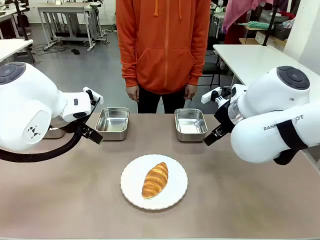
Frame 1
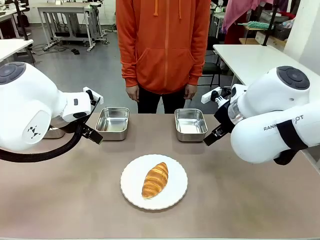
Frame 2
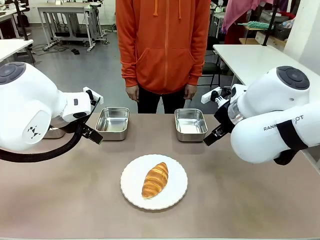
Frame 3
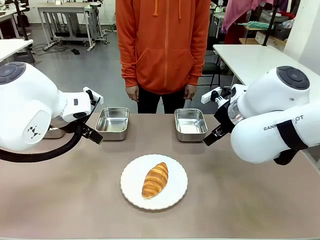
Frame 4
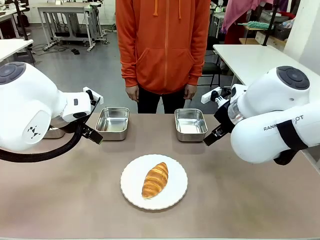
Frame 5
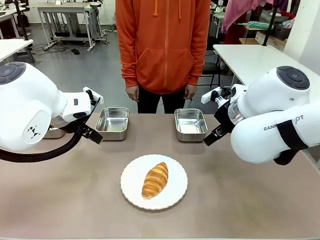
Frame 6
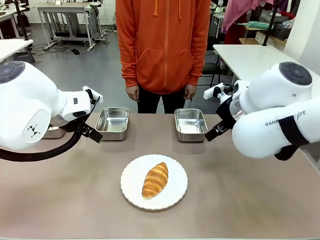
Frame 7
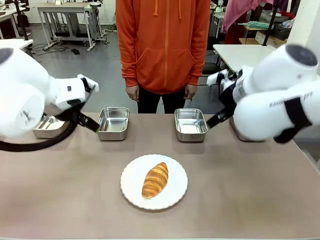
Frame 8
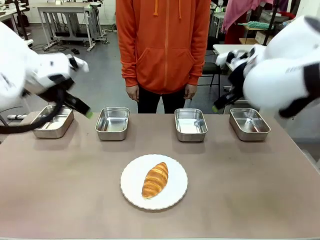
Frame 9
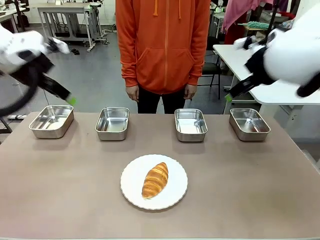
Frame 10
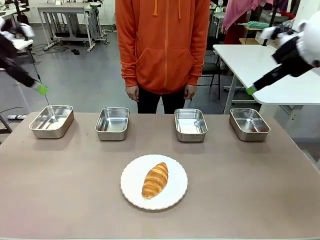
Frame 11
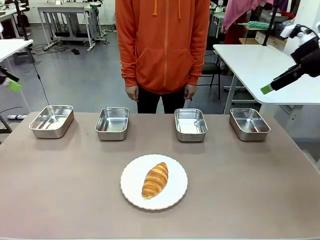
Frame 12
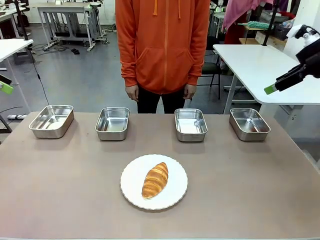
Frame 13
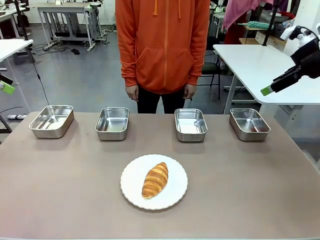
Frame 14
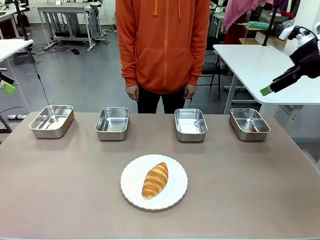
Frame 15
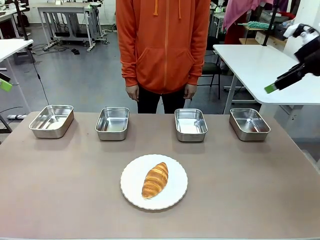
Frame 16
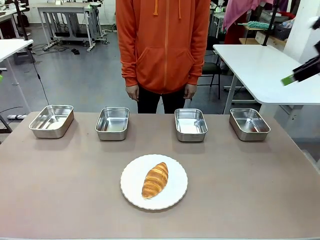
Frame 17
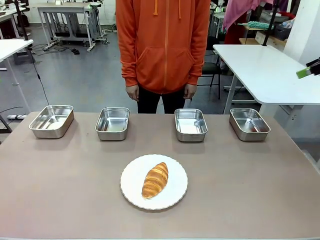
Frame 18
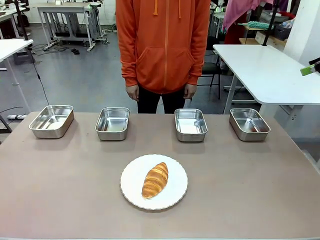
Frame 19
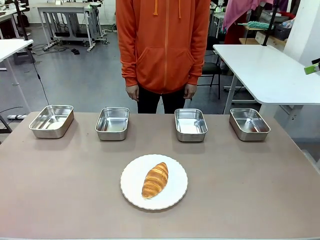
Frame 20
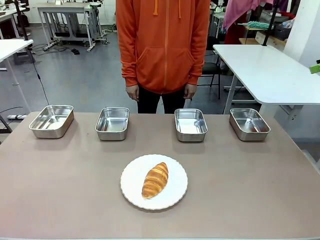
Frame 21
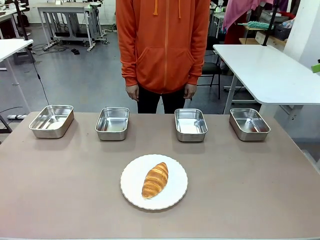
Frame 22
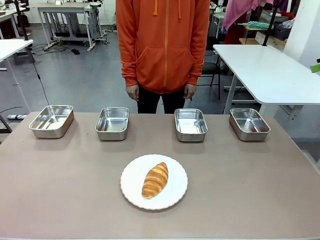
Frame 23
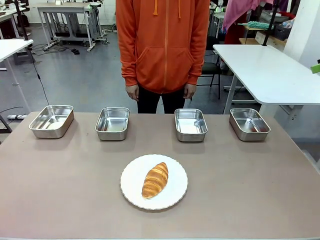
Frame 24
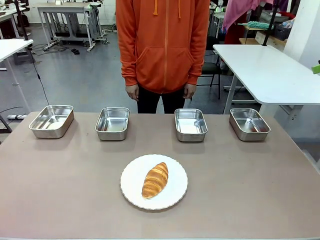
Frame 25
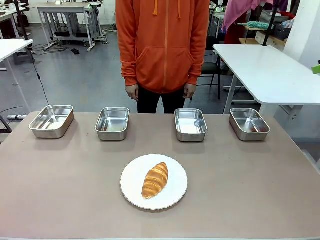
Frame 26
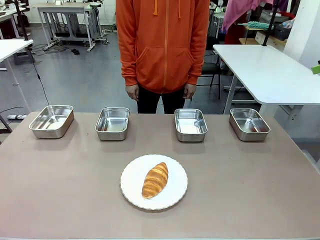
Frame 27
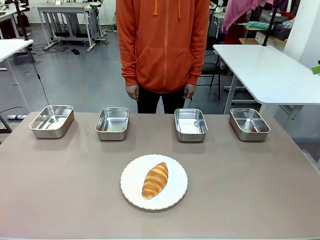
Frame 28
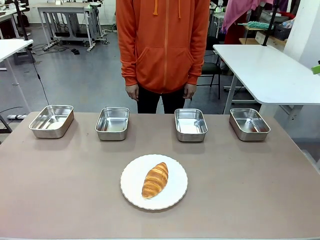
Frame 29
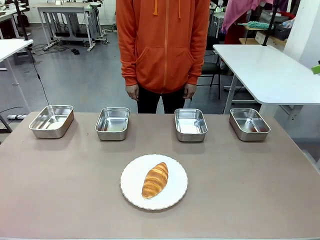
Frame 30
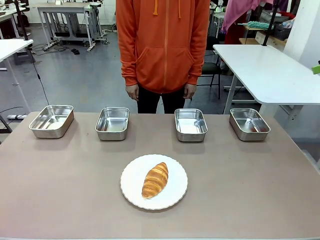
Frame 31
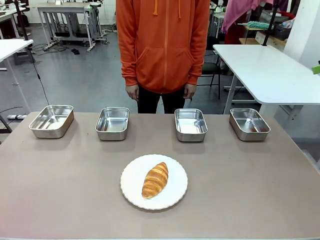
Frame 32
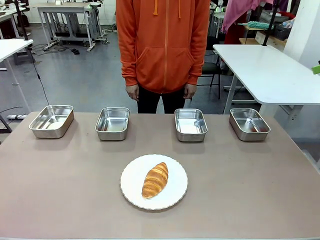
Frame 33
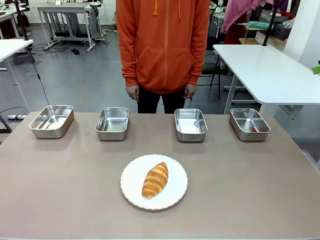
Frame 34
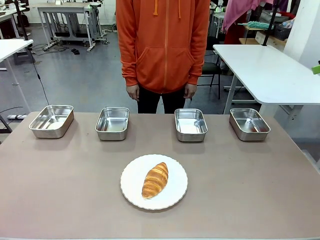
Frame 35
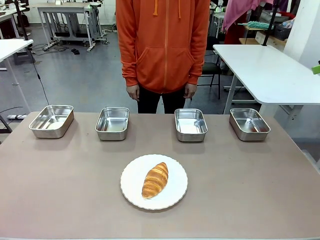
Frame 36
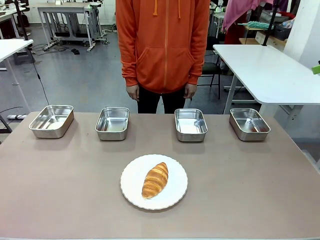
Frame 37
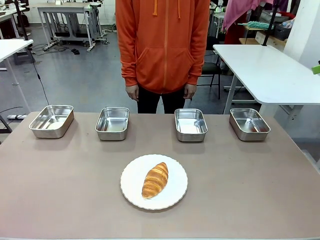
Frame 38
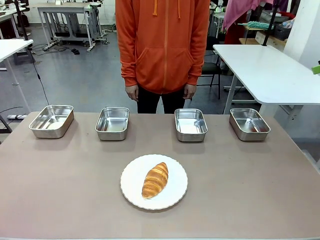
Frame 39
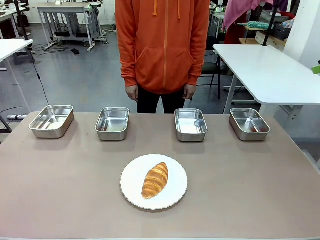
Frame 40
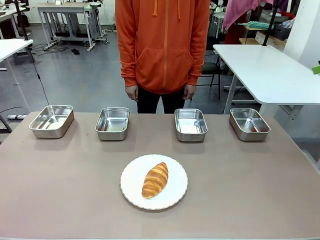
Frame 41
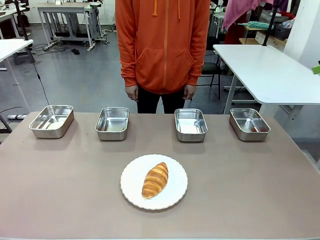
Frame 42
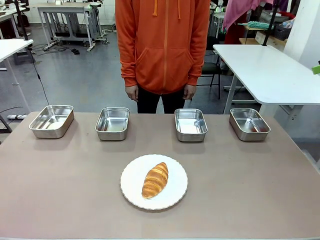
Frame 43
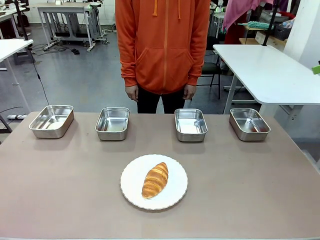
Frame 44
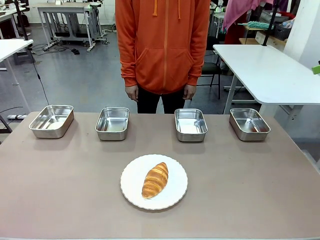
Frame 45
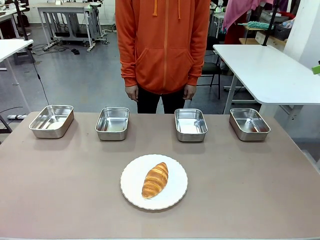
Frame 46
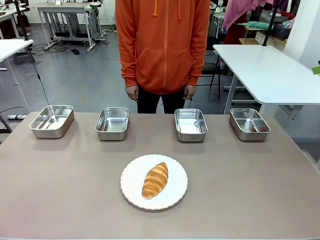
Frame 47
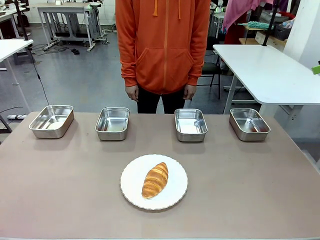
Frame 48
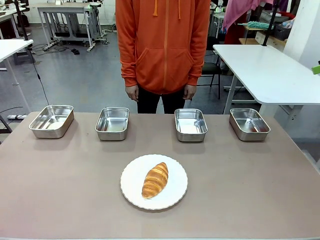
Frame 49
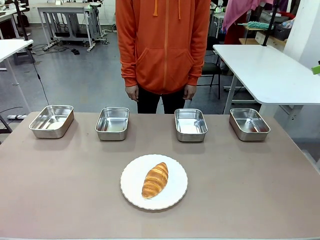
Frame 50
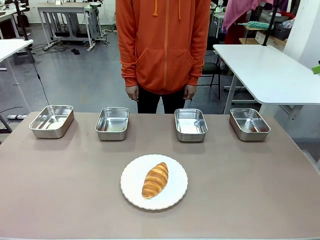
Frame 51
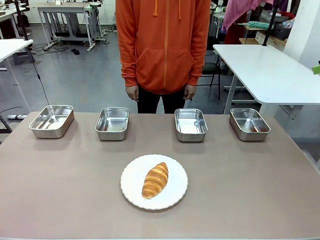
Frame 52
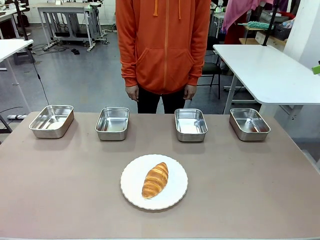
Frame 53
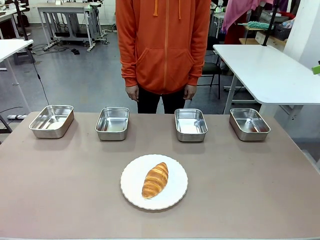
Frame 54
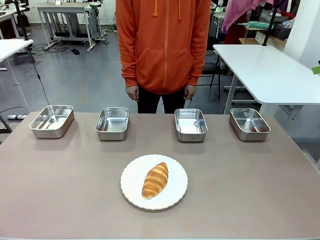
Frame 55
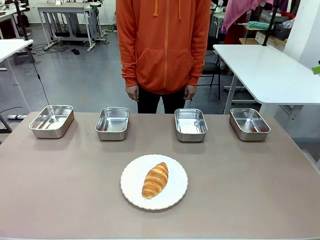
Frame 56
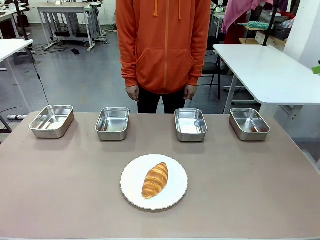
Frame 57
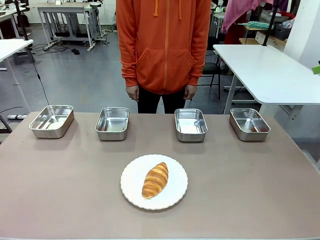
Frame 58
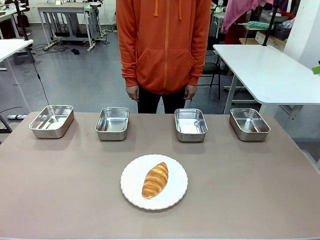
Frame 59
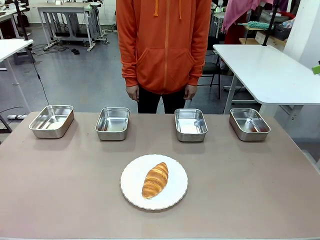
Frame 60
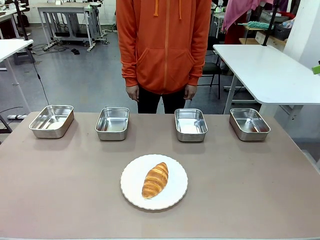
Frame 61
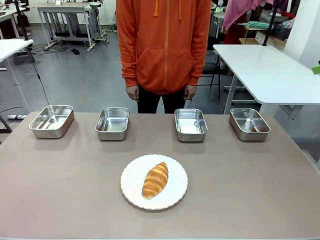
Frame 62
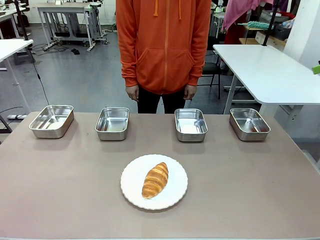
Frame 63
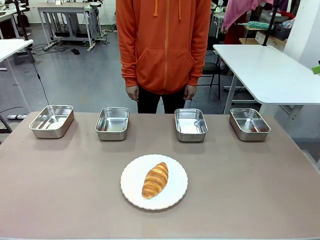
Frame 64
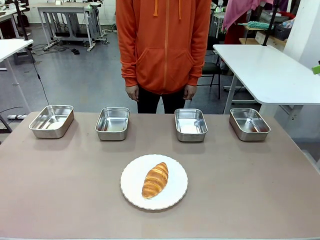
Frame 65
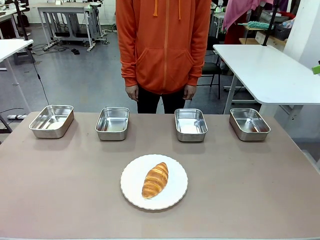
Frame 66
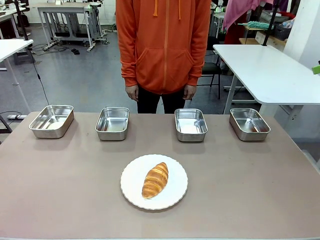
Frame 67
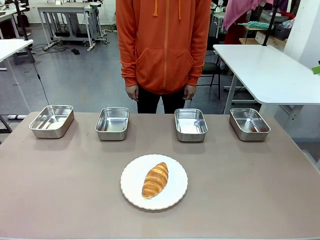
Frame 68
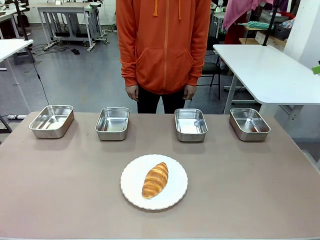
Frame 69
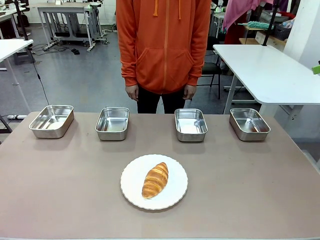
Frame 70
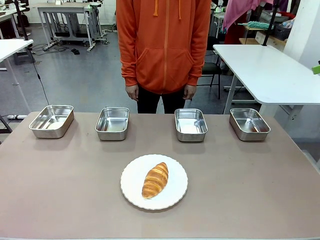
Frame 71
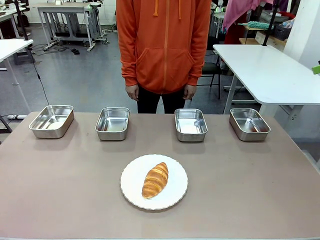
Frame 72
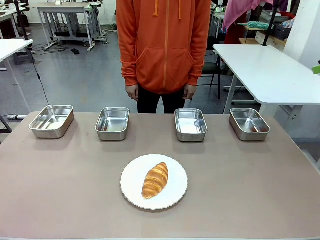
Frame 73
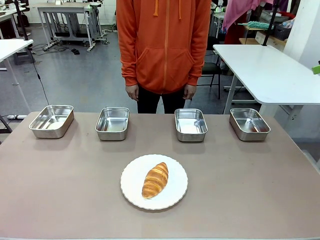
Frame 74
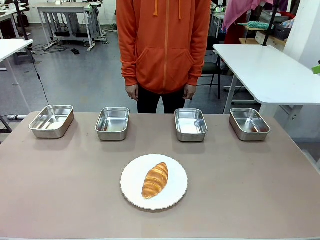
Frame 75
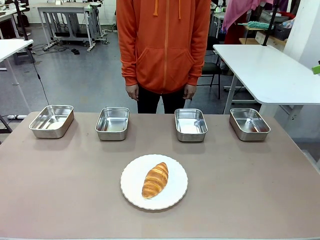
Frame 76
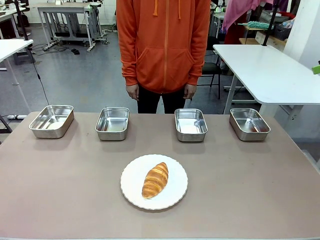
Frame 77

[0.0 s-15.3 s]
Task: Place the bread in the container.
Robot: Place the Butter Roll into the Airtight Container indicated by the human.

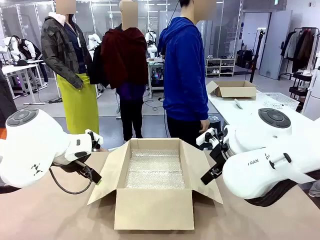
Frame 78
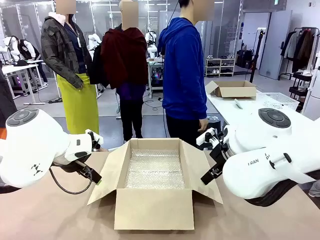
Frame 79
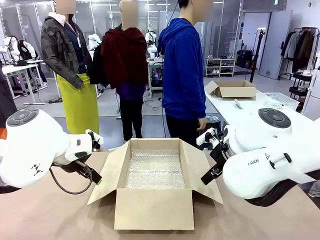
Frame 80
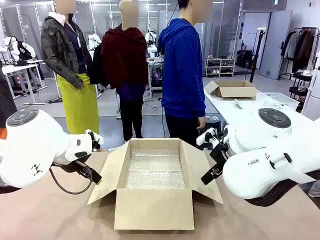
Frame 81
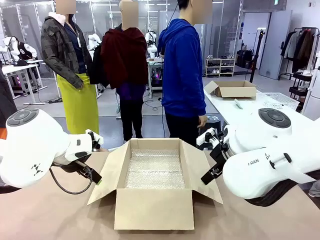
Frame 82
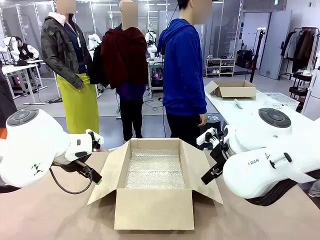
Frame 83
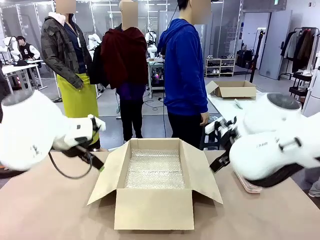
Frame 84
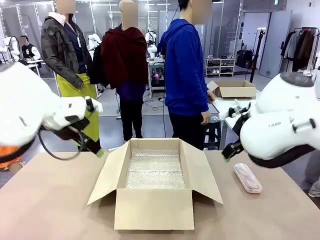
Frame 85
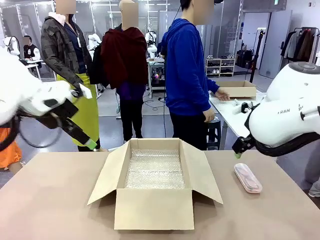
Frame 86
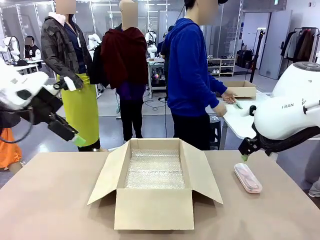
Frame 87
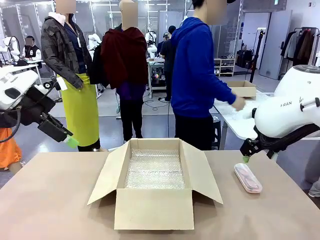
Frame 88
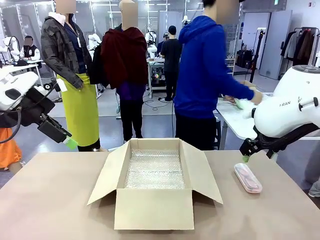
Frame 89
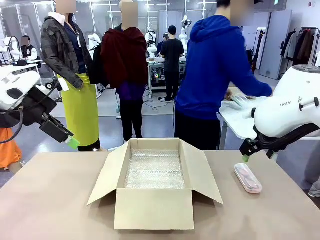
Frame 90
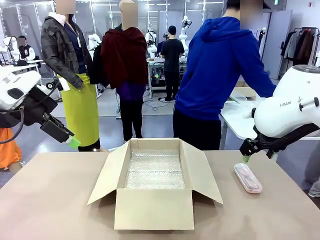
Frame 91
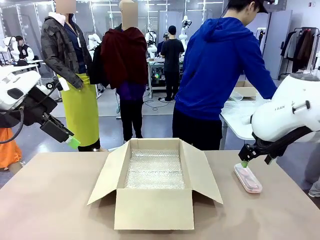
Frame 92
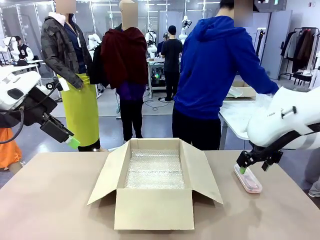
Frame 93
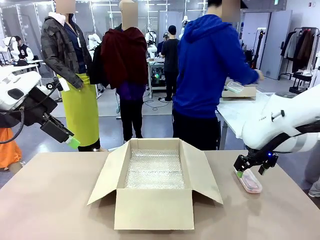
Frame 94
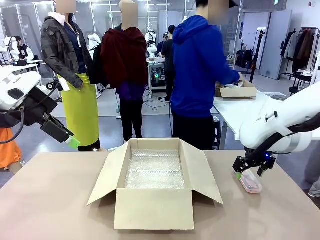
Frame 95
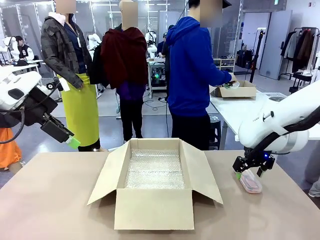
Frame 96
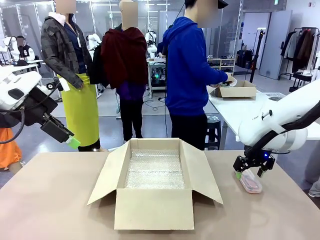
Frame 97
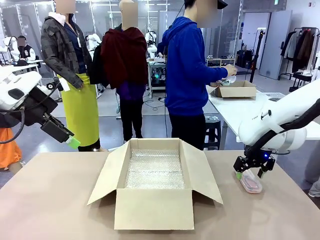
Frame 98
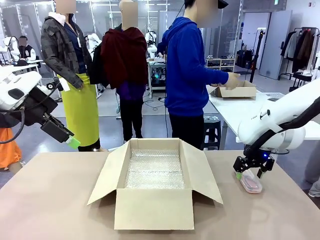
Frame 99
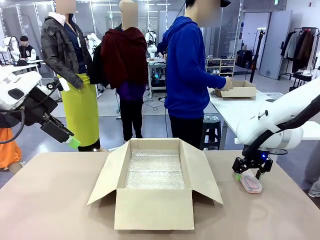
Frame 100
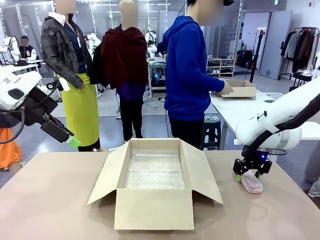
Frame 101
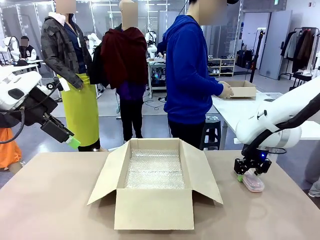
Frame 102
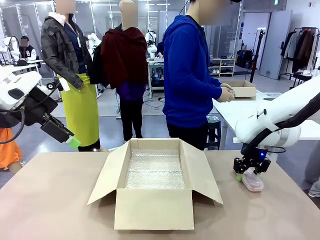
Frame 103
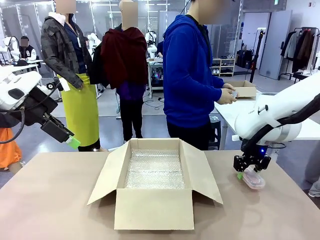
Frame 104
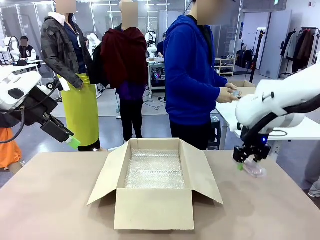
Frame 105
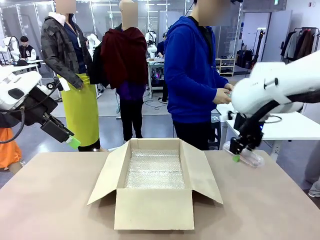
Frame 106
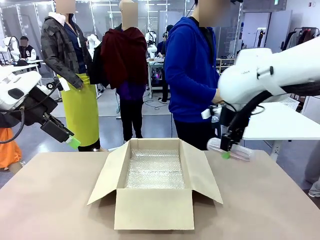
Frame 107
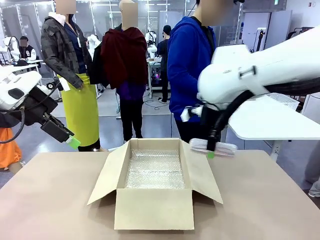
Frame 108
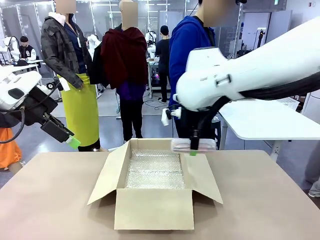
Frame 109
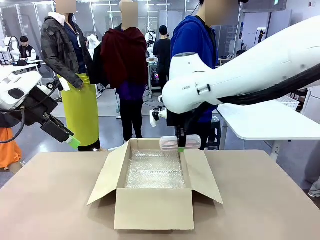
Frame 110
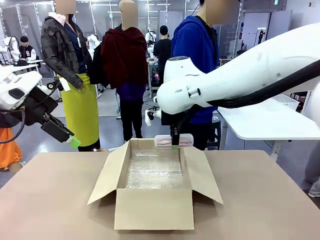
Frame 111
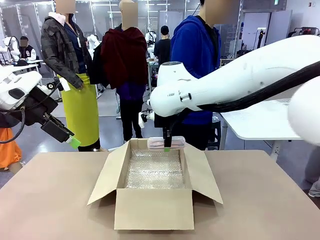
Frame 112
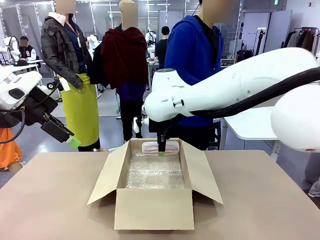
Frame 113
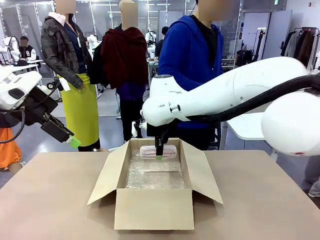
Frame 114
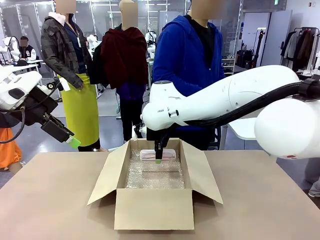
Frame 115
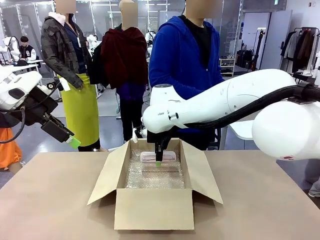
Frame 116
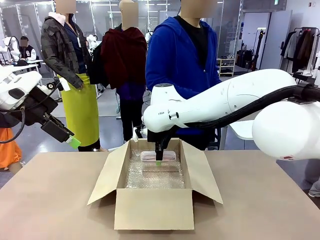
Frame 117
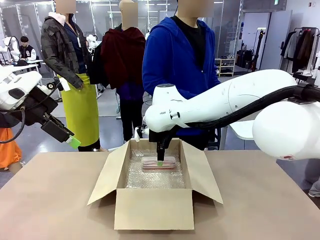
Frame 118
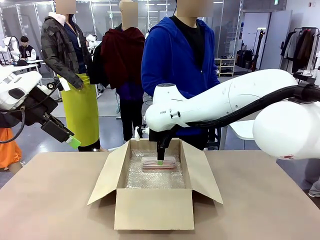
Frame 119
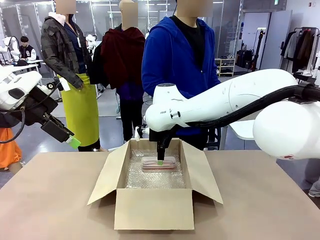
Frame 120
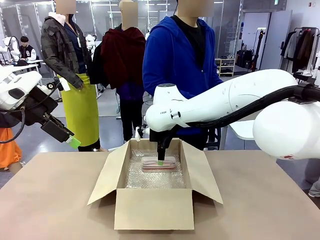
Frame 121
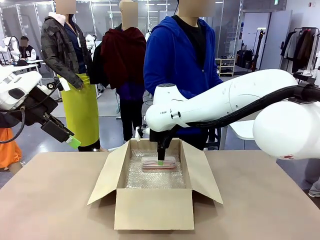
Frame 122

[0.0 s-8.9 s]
Task: Pack the glasses set securely to prepare it for shipping.
Robot: Place the Glasses case inside the Package Box.
Person: Place the Glasses inside the Glasses case.
